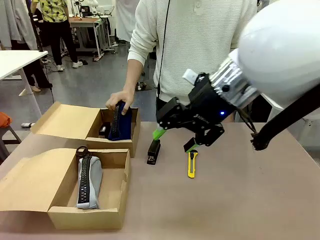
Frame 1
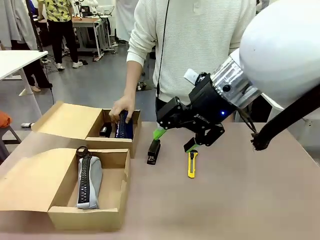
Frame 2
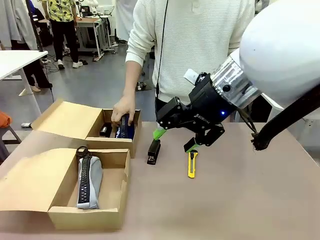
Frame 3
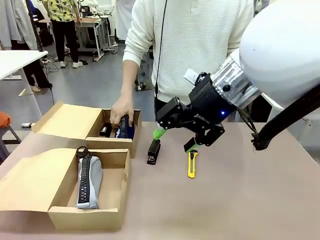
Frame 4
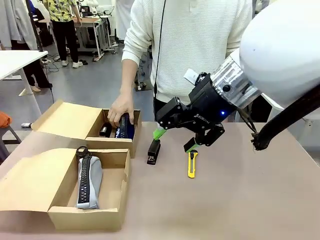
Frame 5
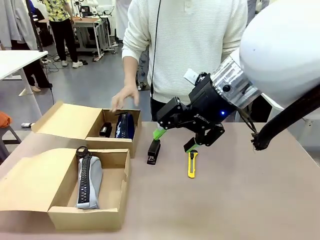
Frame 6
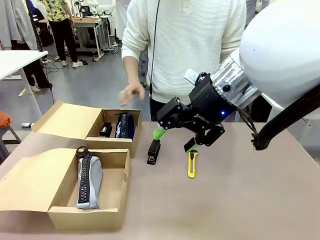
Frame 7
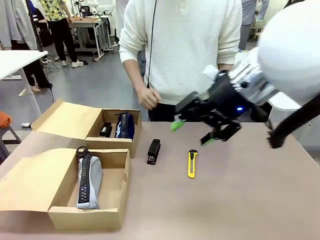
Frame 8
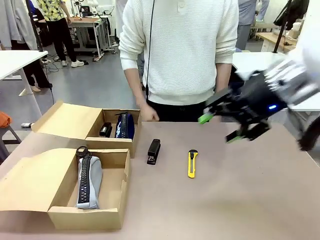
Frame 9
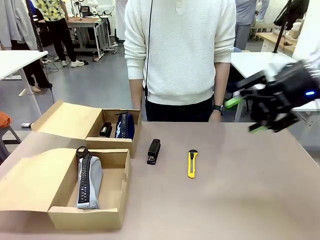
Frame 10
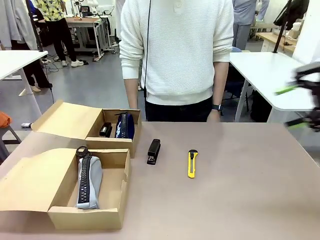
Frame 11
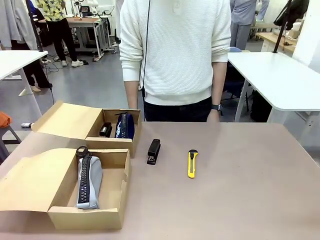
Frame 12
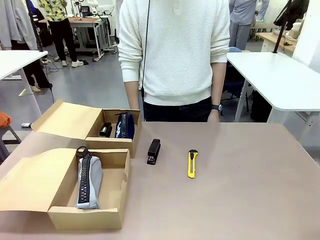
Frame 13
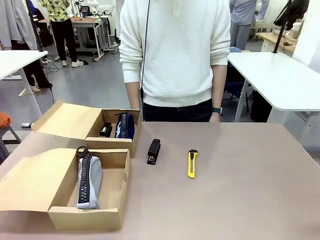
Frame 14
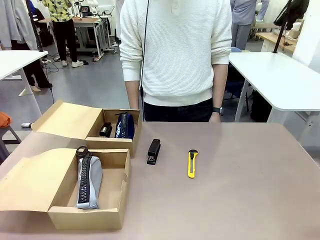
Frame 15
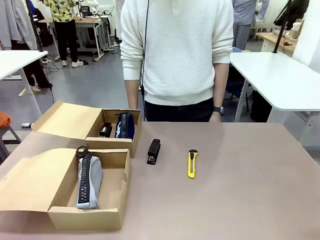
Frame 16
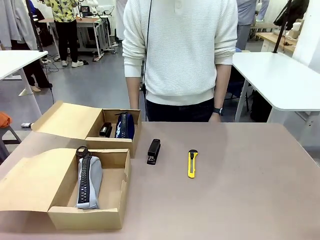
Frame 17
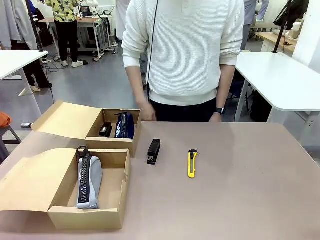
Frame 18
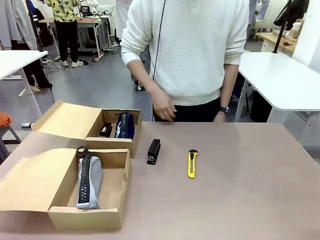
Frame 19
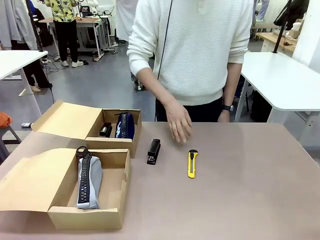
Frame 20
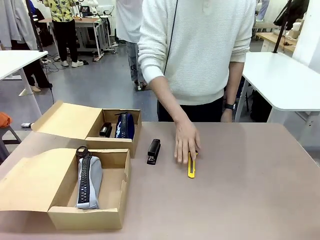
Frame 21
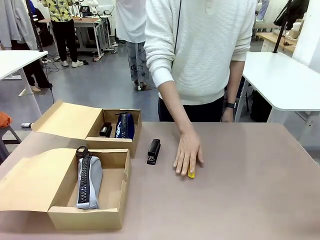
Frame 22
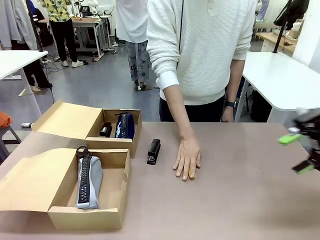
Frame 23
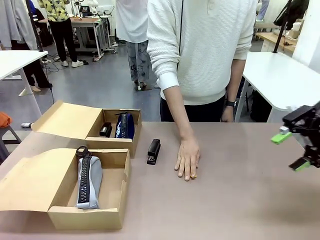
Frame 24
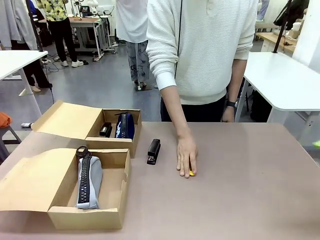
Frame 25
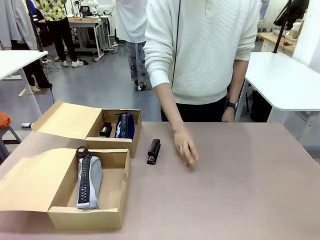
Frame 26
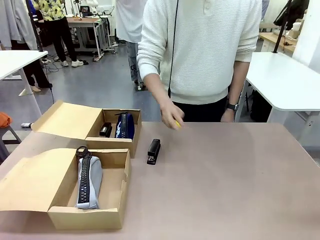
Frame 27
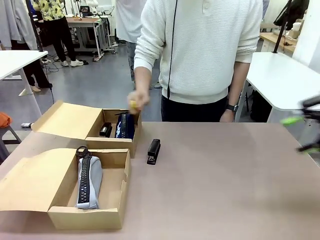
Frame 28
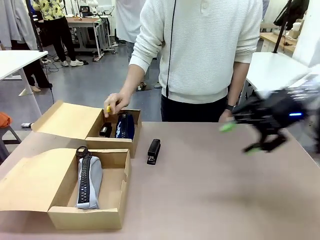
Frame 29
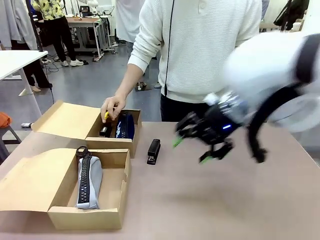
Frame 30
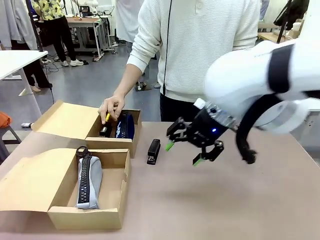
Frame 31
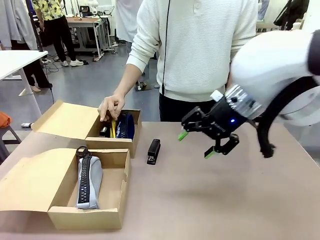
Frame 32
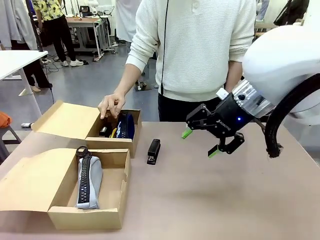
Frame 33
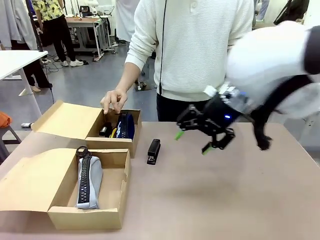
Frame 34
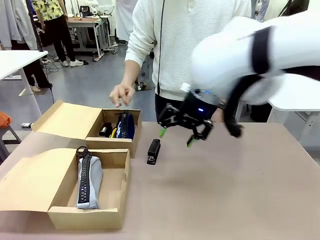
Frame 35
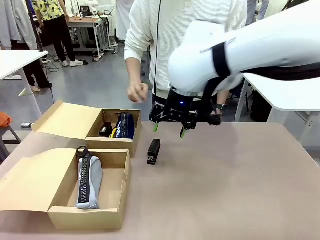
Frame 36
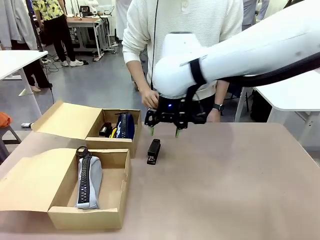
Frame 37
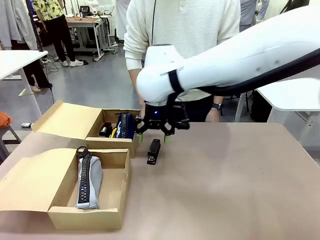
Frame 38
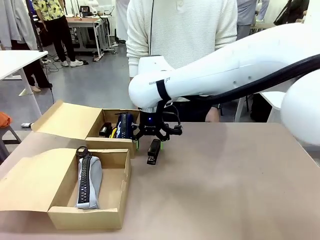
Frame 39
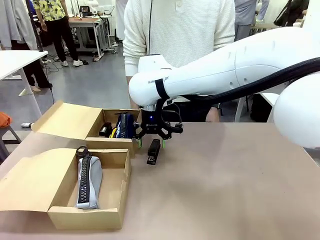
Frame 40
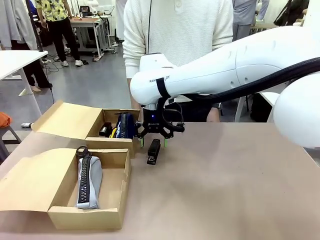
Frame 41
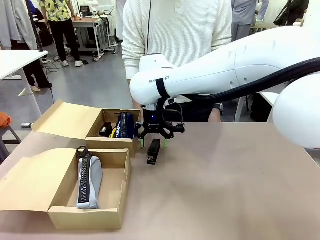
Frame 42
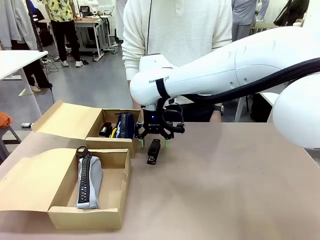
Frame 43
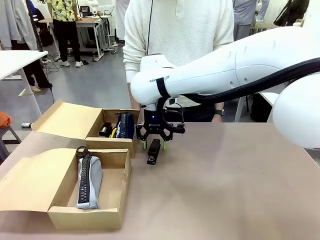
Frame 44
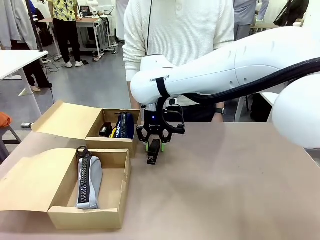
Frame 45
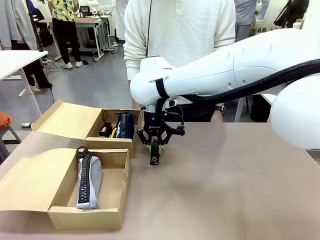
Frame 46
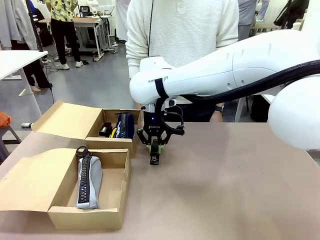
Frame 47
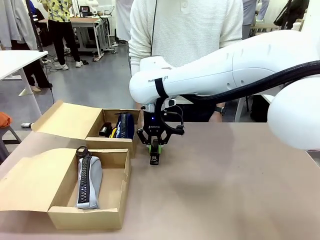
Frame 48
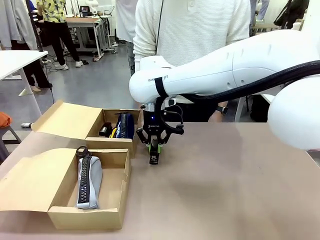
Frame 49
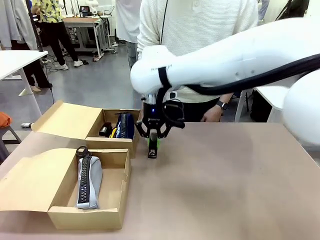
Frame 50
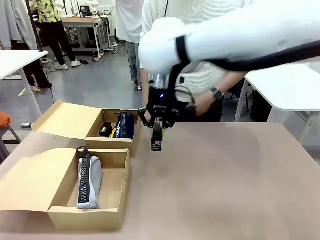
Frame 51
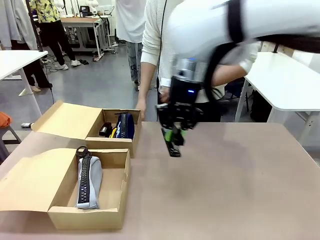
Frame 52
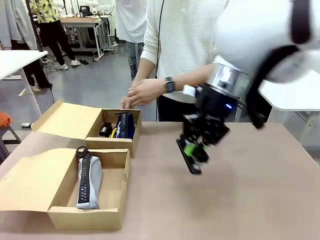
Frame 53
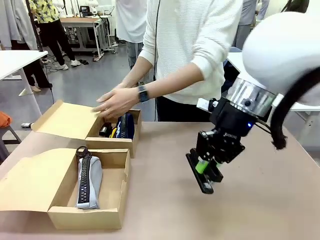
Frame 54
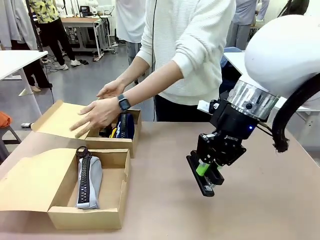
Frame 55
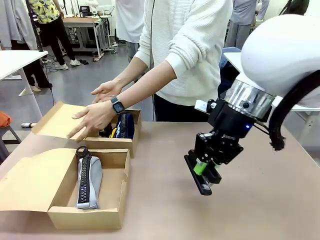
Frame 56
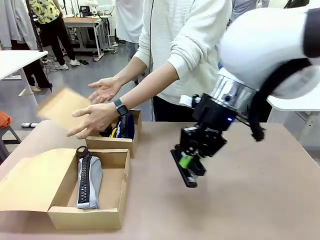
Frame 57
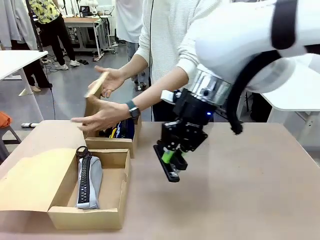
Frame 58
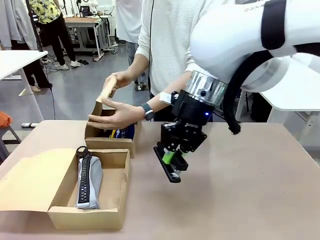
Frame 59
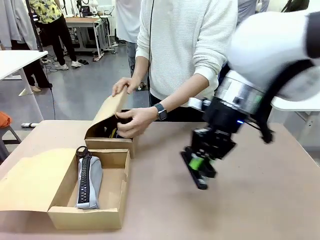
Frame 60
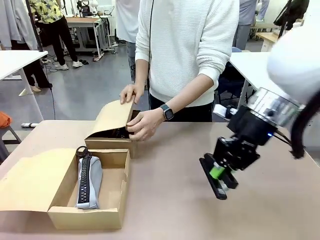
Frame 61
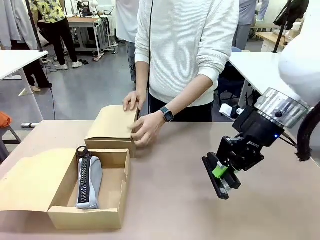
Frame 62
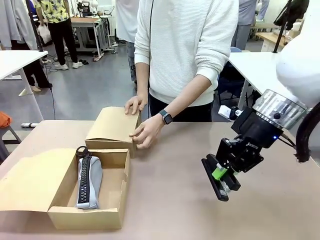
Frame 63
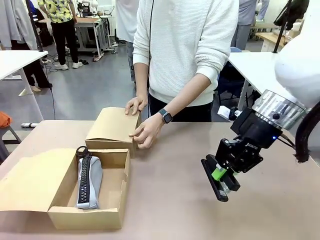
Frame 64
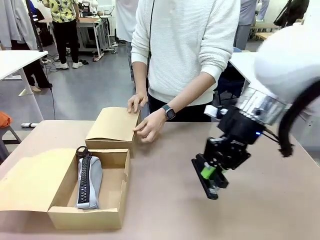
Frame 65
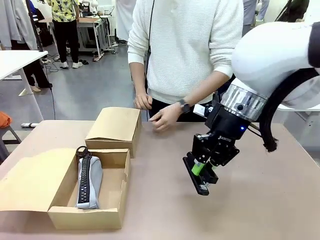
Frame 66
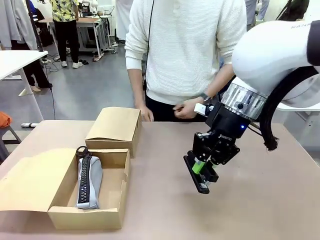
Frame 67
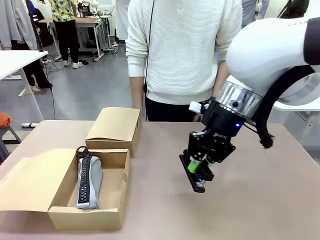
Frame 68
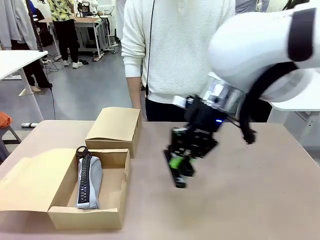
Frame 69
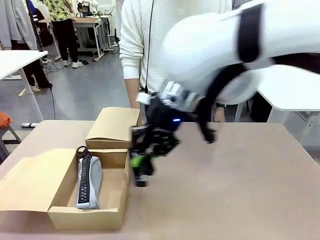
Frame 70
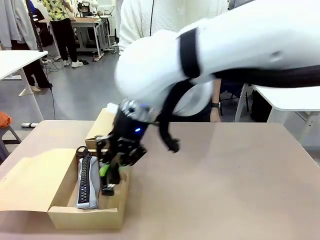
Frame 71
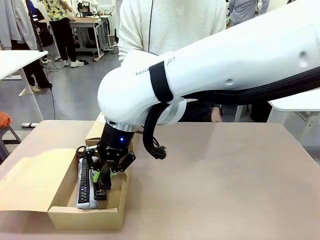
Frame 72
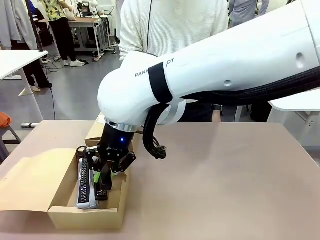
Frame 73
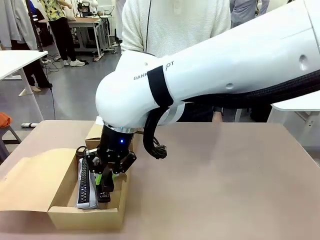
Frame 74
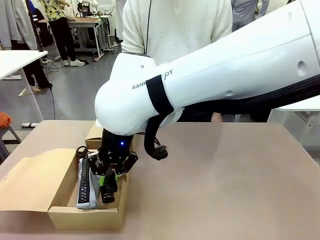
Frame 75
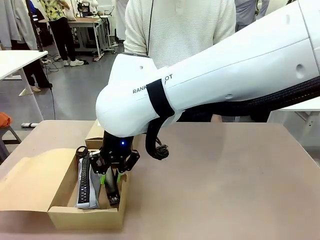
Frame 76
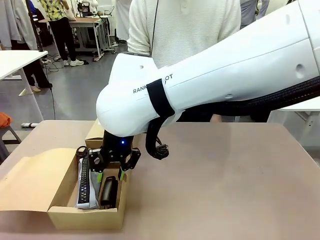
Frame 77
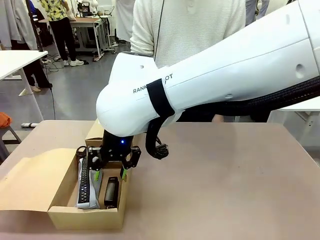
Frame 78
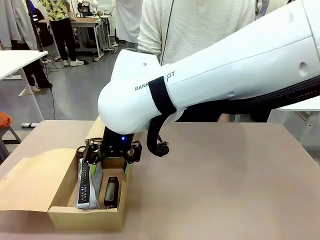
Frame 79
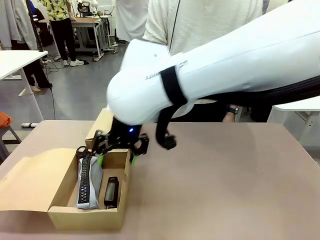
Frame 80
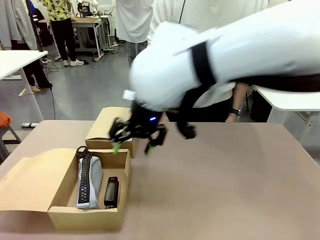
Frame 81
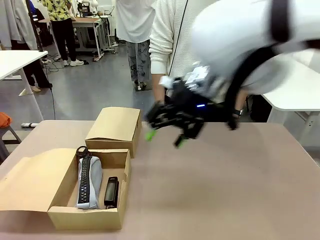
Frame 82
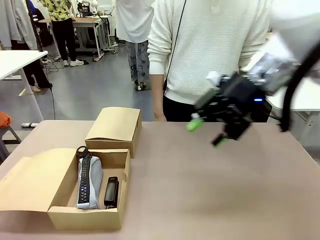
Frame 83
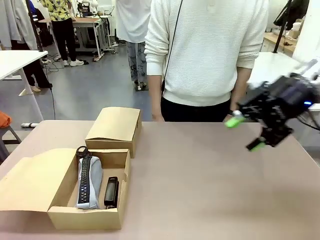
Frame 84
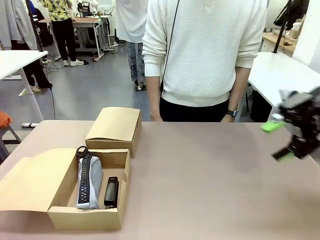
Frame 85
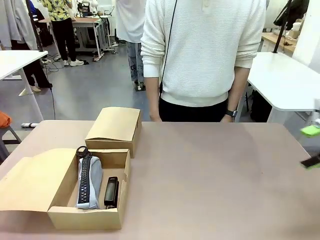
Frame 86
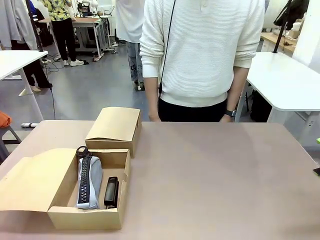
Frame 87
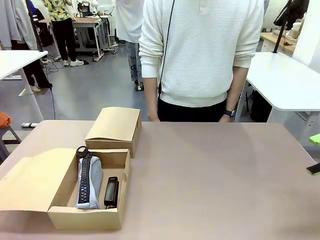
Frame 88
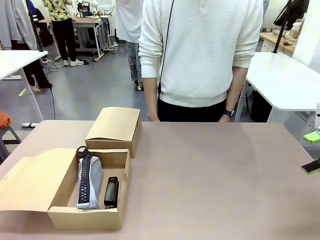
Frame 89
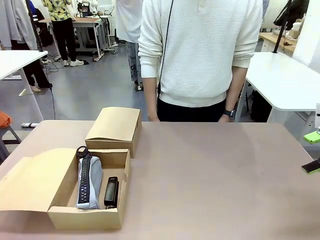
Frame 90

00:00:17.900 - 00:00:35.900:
Task: Place items inside the box.
Robot: Pick up a Pencil pouch or Stapler and place it inside the Mailer Box closest to the robot.
